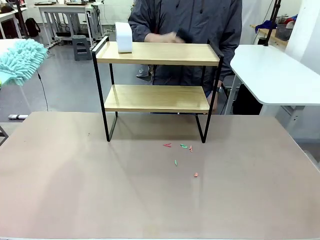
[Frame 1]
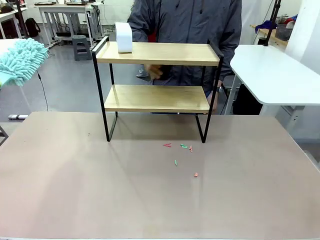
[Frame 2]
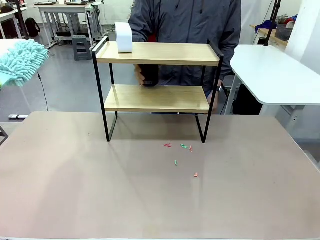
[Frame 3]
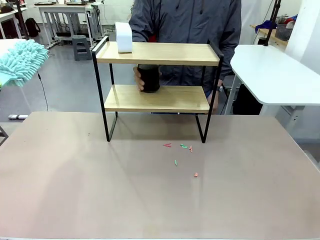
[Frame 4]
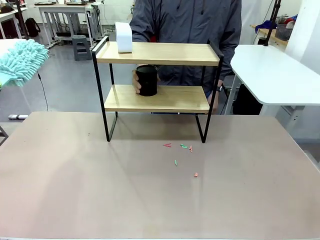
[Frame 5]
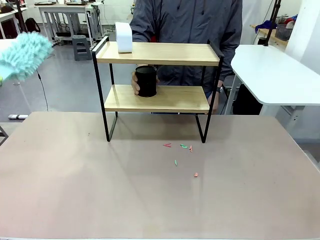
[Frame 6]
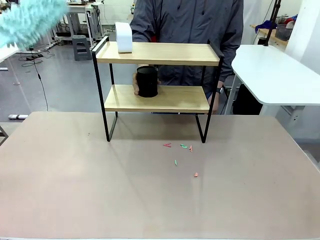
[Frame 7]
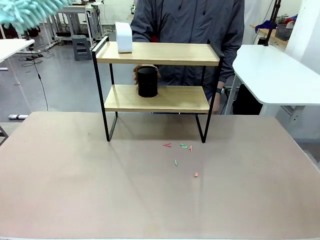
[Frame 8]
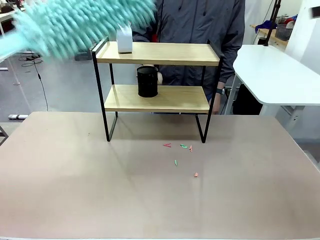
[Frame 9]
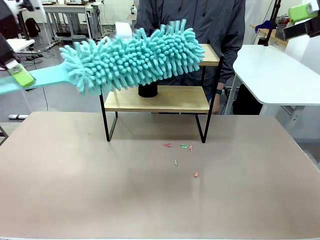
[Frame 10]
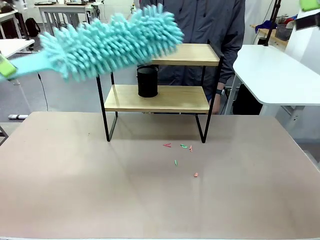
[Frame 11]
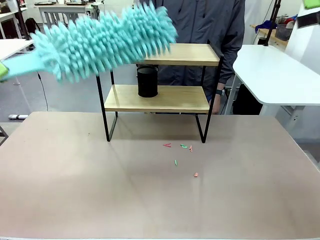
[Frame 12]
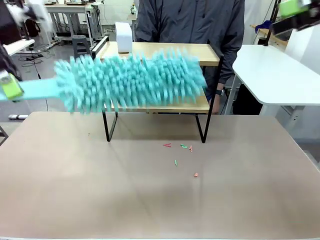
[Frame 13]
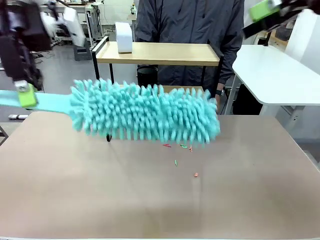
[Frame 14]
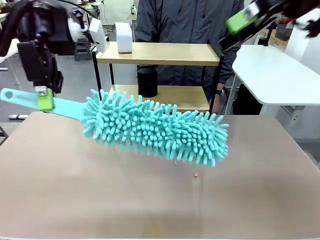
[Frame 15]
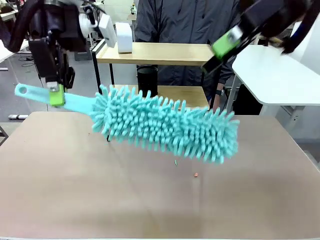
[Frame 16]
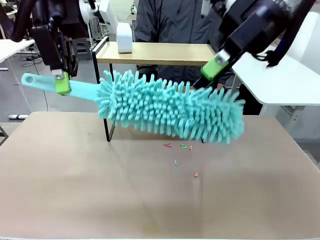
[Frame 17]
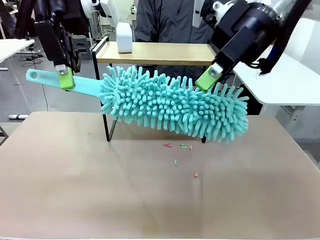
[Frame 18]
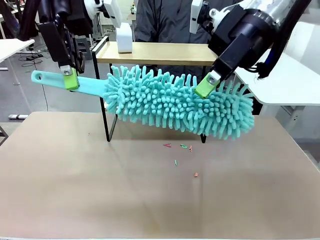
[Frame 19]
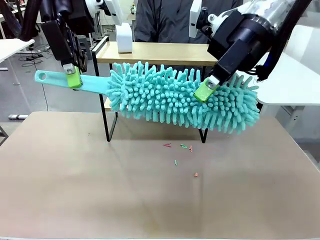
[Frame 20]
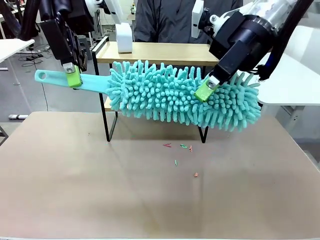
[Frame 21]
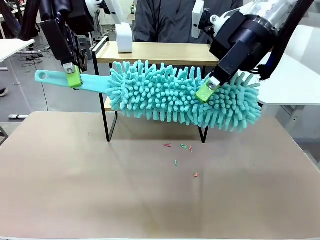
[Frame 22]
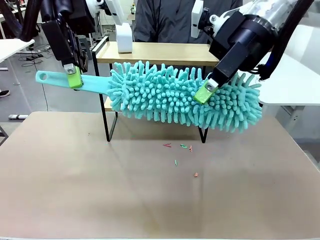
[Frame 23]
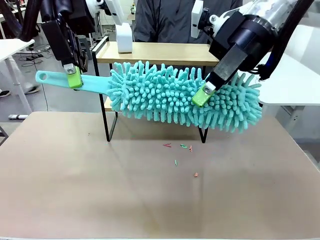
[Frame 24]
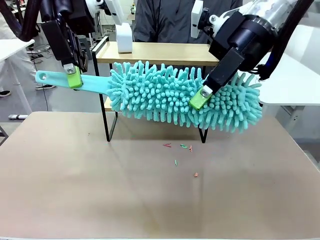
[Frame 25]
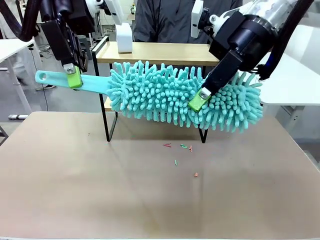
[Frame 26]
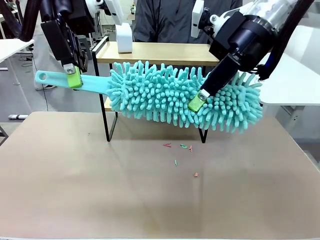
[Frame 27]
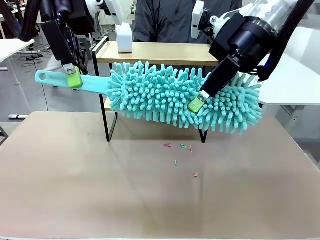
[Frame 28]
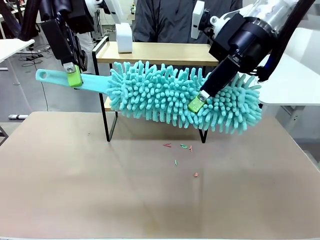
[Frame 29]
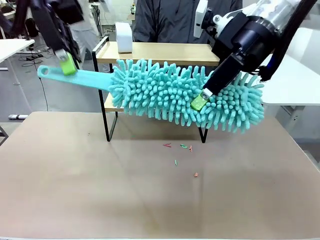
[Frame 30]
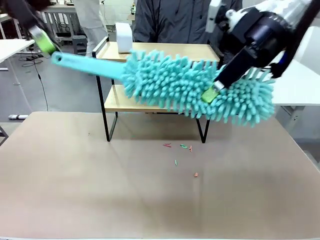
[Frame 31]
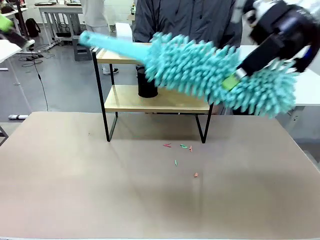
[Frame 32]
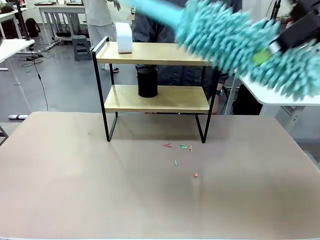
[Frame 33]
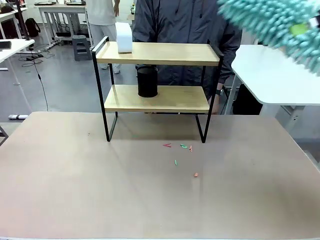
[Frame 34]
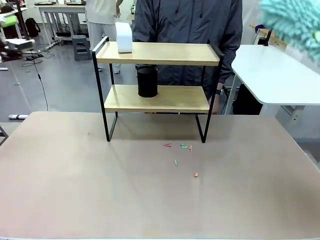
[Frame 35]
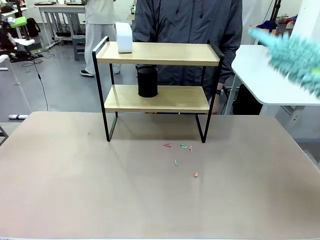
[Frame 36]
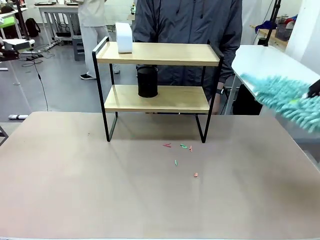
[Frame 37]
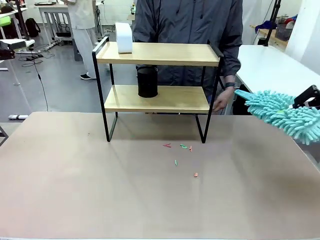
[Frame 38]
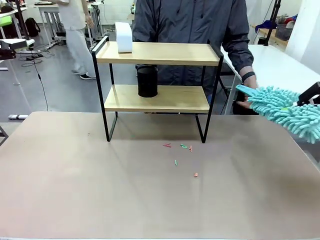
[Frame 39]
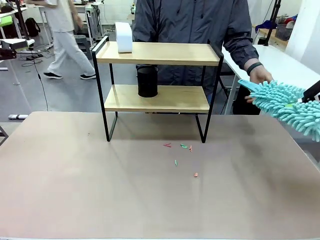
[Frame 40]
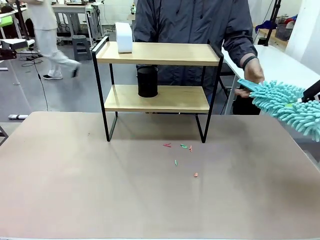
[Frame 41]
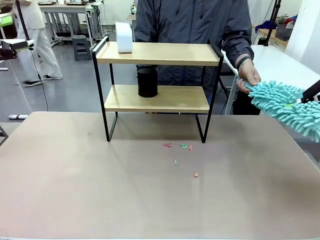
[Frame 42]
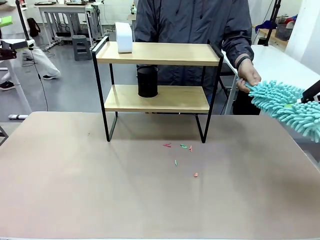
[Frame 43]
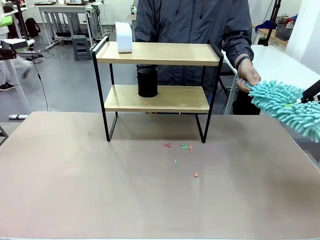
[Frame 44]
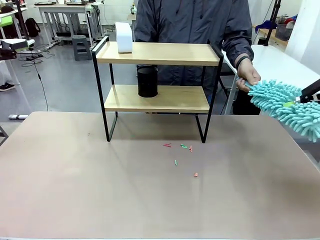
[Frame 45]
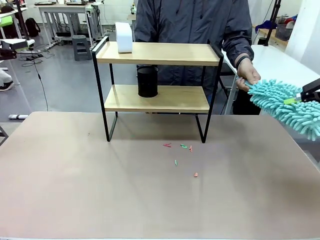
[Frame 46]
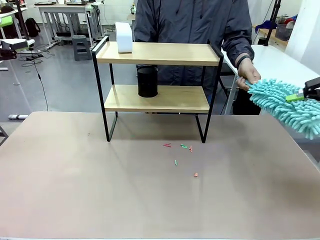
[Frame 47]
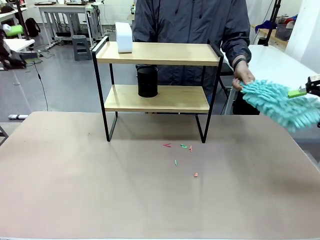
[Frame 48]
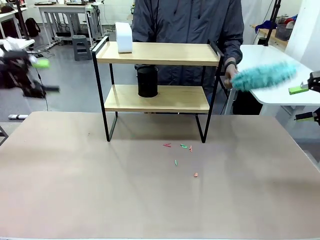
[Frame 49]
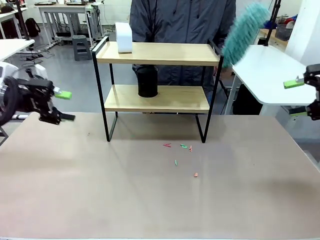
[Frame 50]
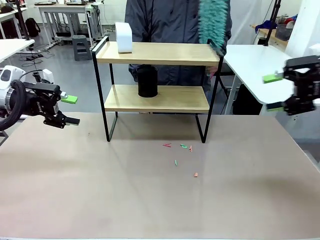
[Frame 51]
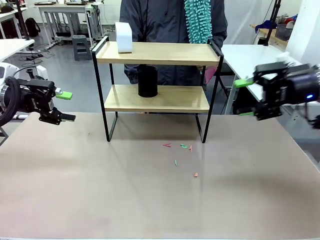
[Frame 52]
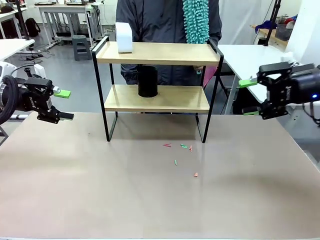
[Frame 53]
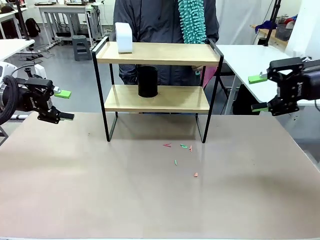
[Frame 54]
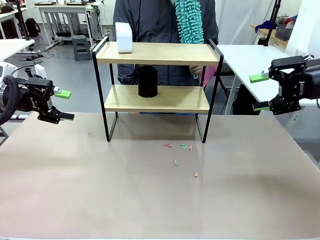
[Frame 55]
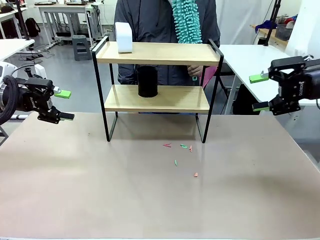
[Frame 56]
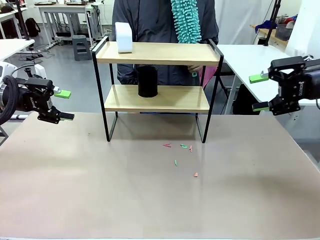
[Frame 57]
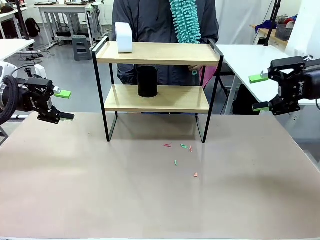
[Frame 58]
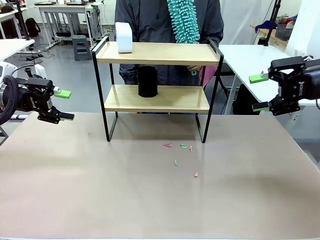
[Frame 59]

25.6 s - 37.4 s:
Task: Clean the shelf.
Robot: Hand the Duster back to the human.
Person: Receive the Duster from the robot.

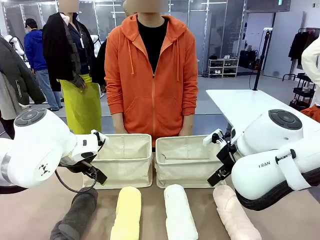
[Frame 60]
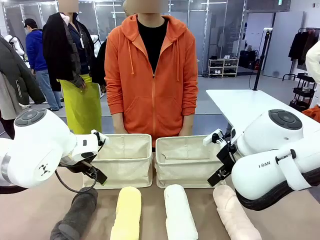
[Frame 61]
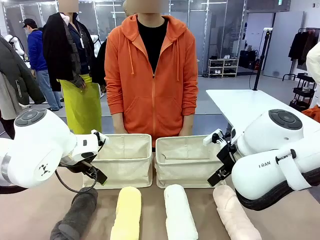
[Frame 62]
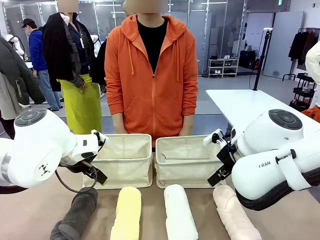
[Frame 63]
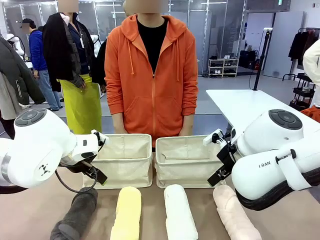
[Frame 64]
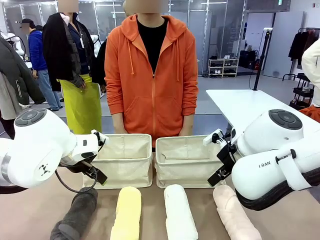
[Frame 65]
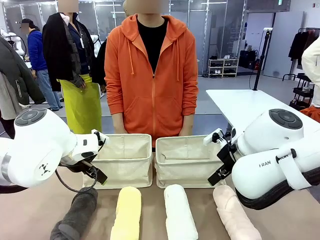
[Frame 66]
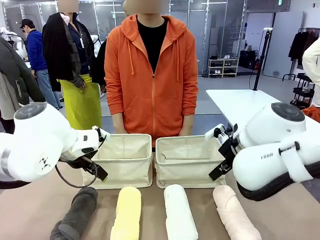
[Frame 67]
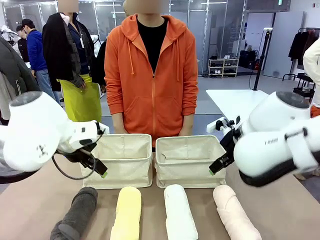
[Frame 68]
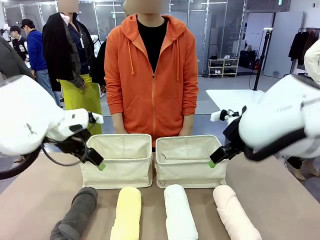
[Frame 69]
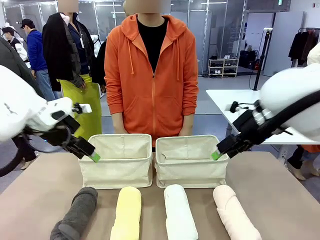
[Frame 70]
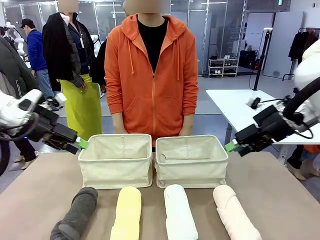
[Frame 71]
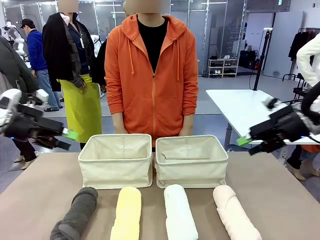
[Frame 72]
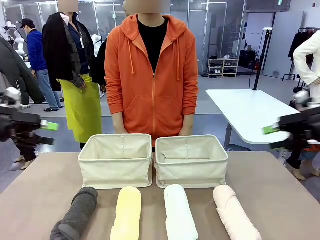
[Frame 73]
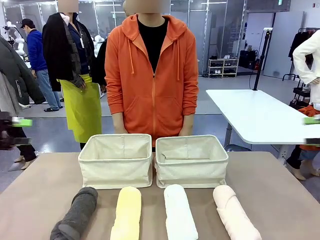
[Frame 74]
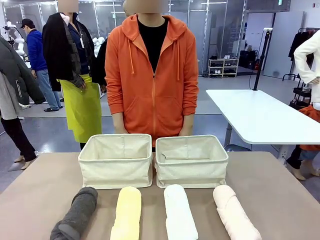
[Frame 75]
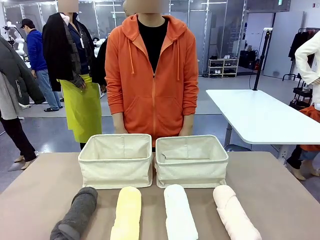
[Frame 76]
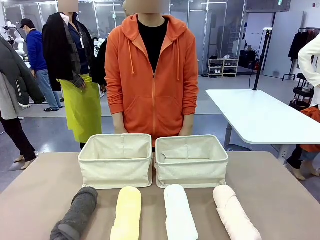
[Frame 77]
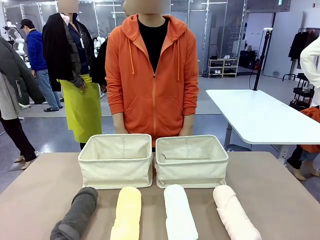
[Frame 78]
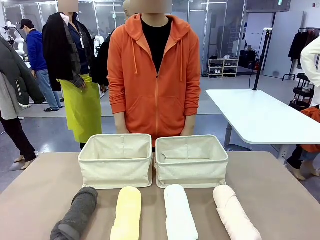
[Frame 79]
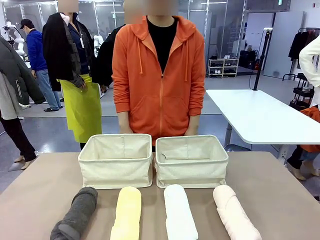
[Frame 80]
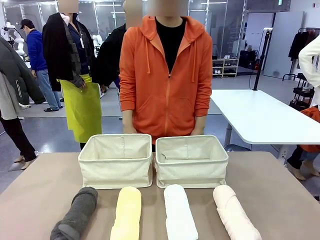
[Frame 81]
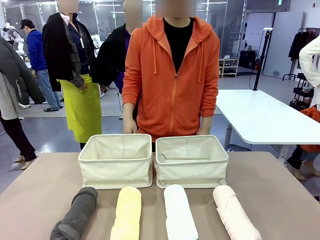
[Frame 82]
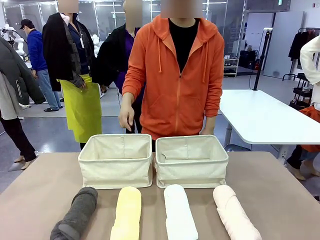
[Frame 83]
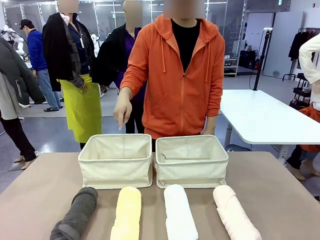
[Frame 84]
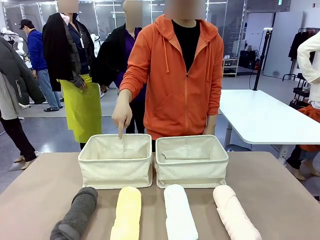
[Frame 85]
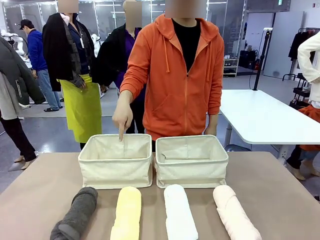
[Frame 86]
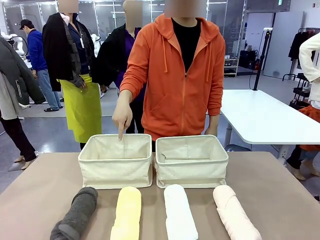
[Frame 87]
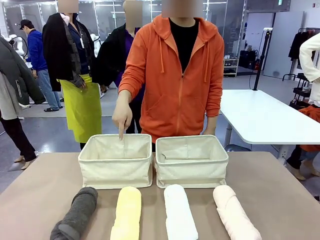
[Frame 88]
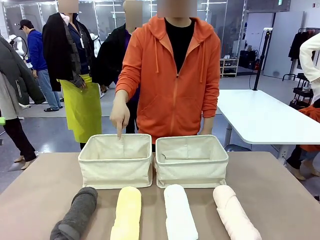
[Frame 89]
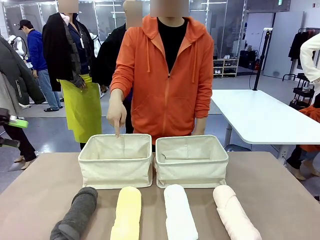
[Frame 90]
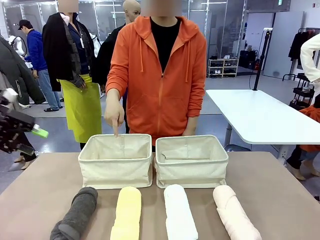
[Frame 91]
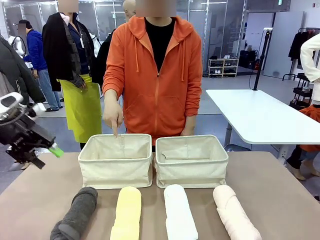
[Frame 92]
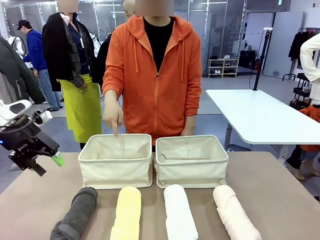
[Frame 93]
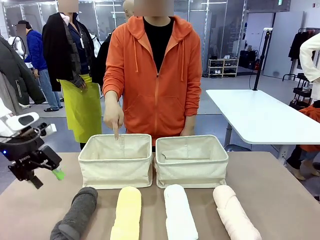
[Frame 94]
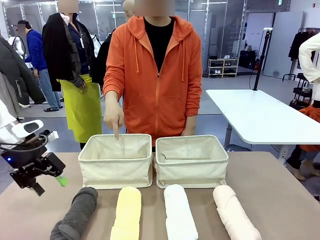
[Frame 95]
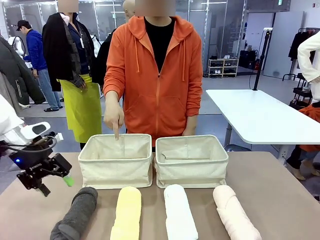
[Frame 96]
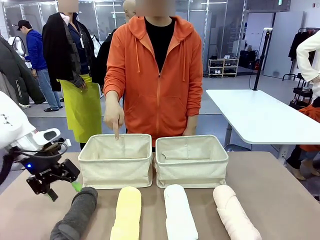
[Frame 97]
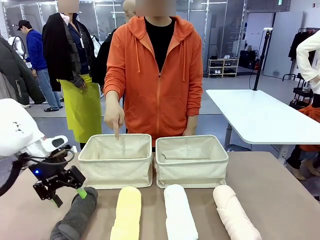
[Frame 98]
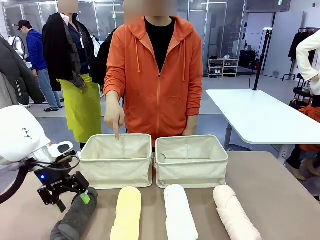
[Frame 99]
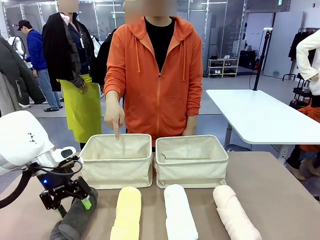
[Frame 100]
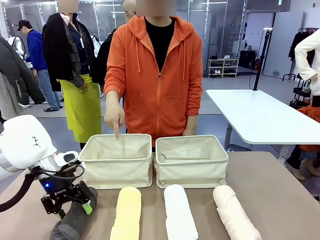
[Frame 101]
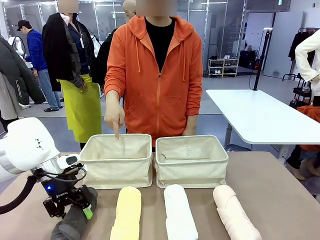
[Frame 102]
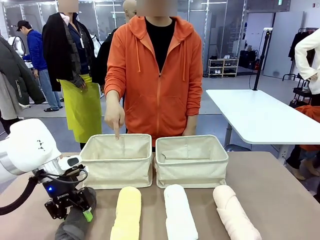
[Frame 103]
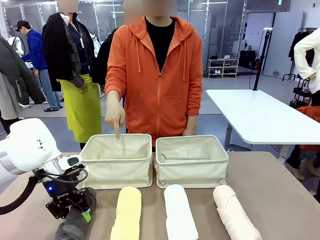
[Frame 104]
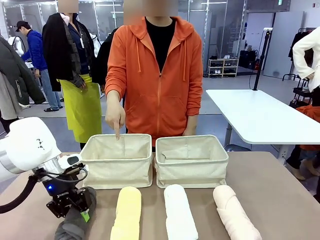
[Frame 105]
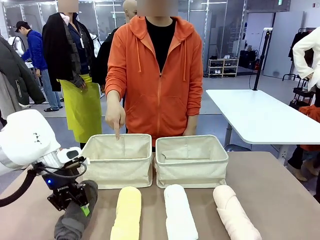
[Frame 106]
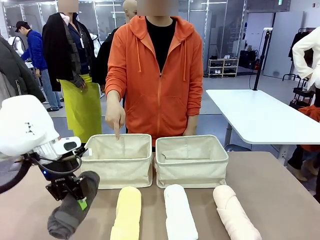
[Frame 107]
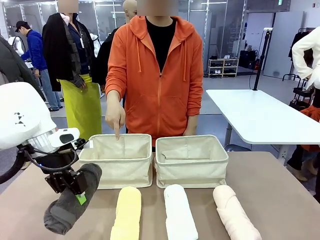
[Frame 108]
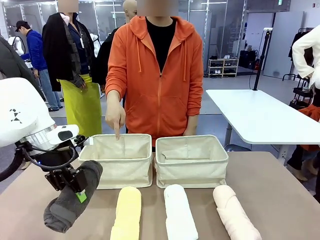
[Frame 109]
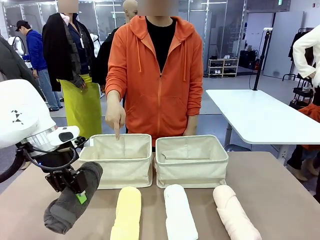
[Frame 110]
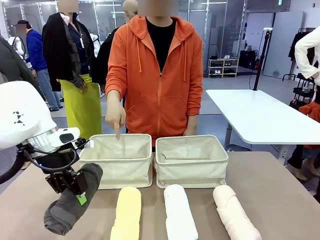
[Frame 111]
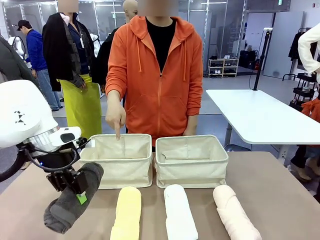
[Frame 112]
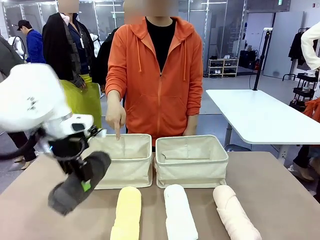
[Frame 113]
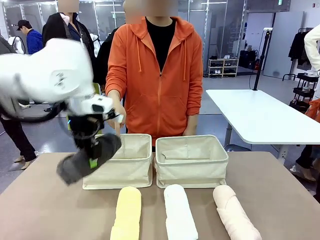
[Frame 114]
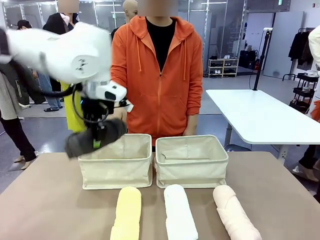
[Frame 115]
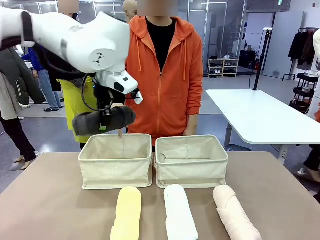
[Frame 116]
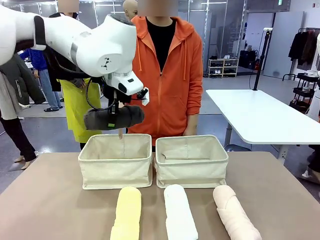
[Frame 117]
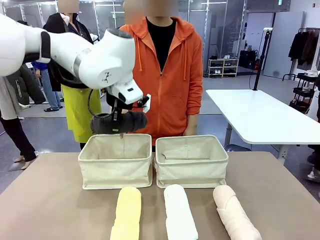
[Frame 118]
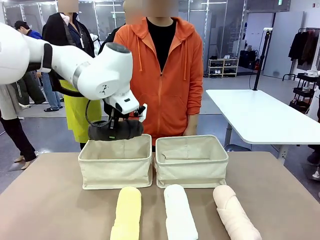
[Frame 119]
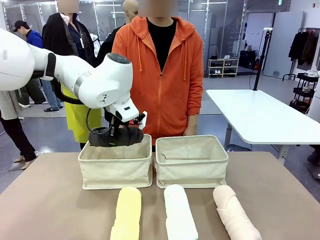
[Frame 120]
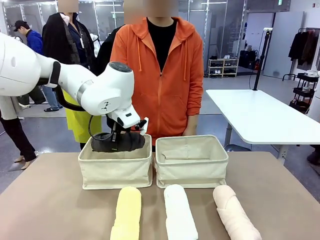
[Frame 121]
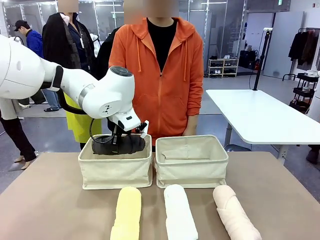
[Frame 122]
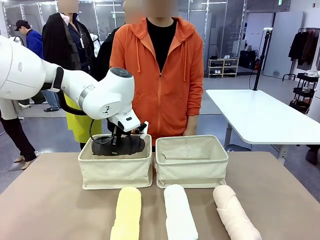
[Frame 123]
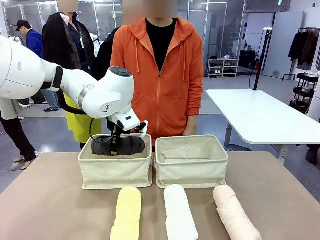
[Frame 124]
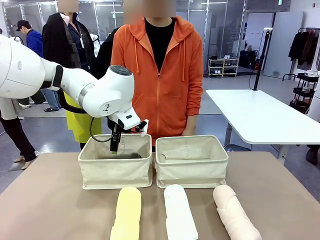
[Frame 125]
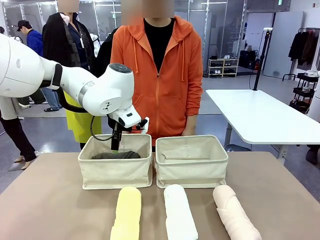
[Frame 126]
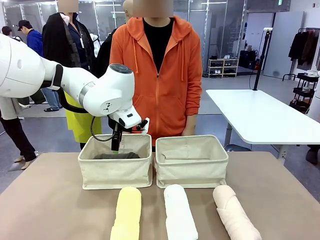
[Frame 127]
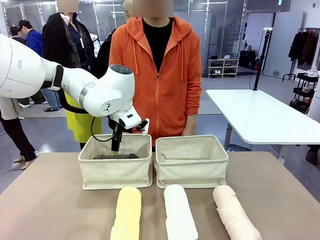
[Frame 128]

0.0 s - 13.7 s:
Task: Divide the towels into two baskets.
Robot: Pick up one hotel-folded towel and place it in the Fabric basket indicated by the person.
